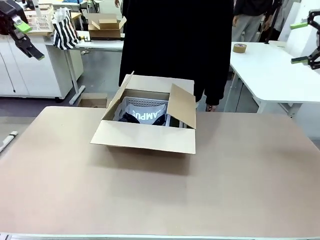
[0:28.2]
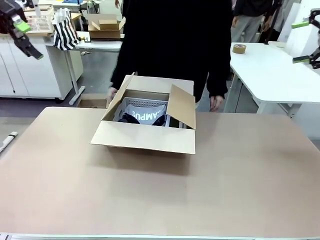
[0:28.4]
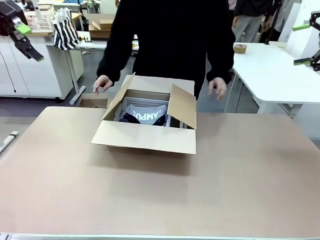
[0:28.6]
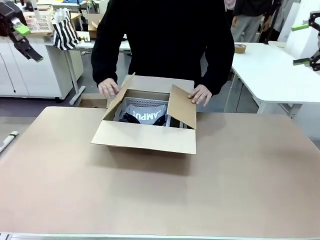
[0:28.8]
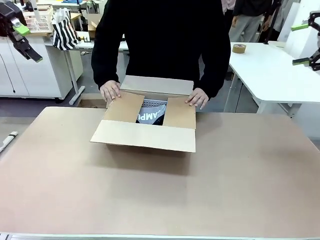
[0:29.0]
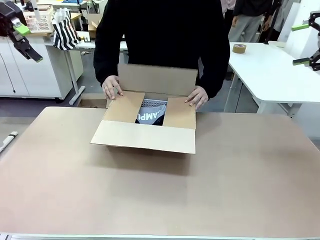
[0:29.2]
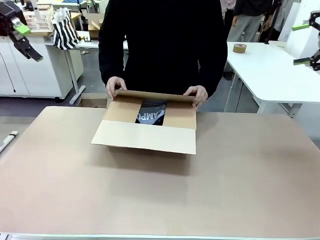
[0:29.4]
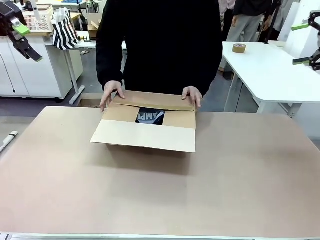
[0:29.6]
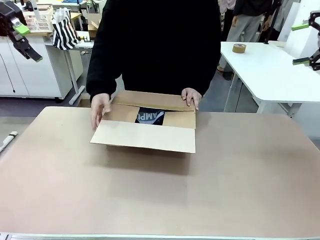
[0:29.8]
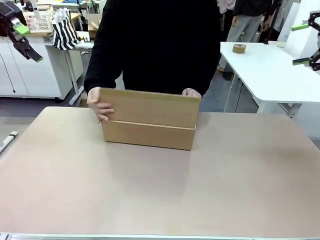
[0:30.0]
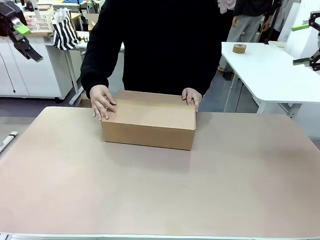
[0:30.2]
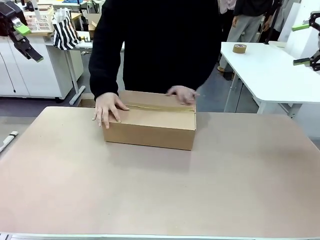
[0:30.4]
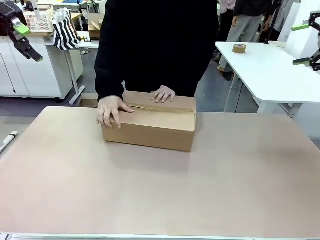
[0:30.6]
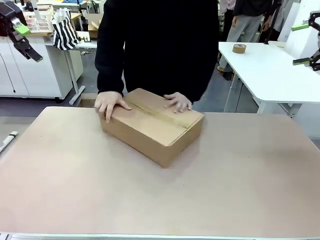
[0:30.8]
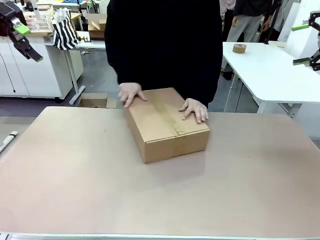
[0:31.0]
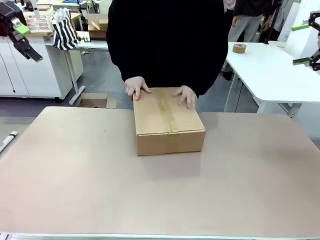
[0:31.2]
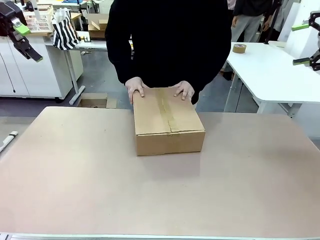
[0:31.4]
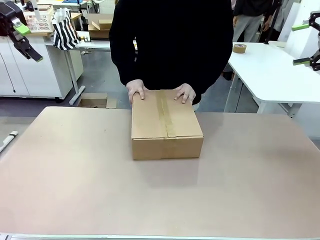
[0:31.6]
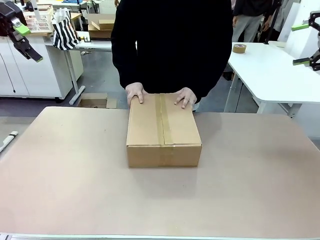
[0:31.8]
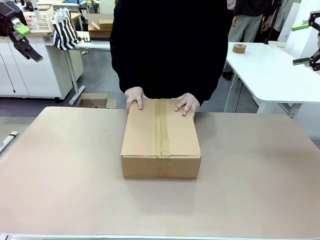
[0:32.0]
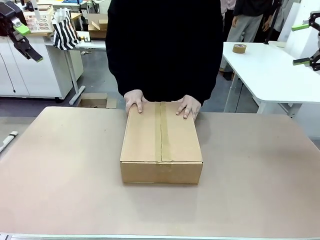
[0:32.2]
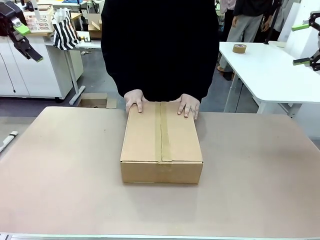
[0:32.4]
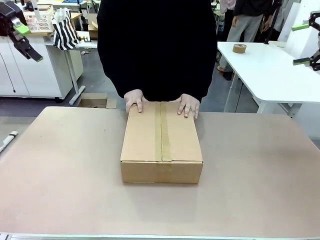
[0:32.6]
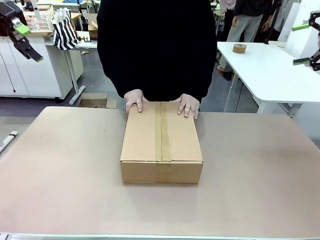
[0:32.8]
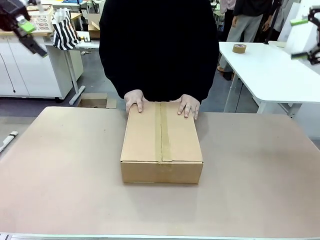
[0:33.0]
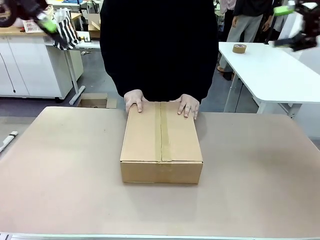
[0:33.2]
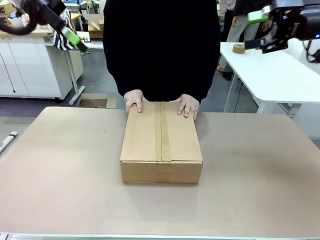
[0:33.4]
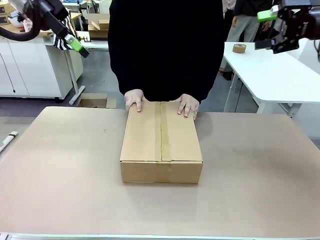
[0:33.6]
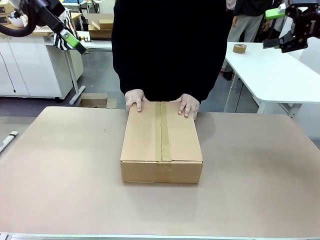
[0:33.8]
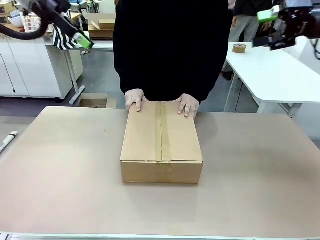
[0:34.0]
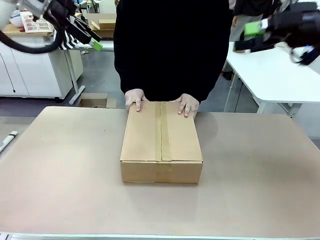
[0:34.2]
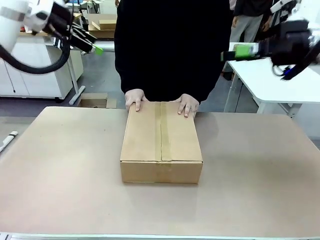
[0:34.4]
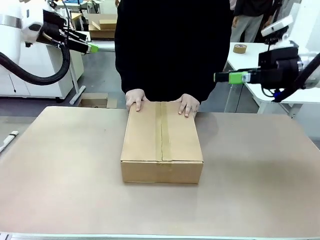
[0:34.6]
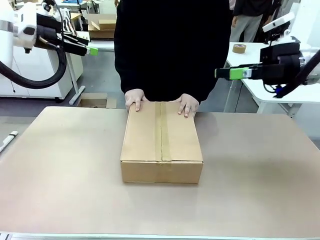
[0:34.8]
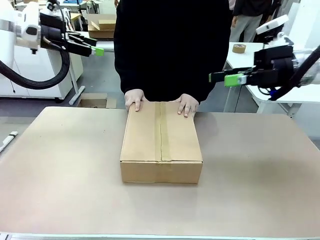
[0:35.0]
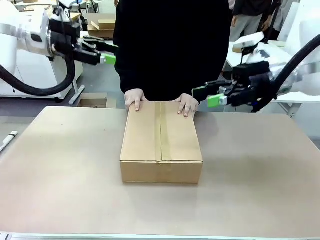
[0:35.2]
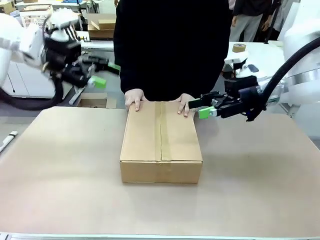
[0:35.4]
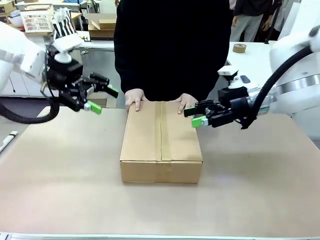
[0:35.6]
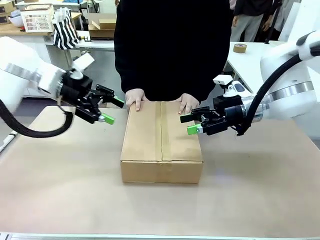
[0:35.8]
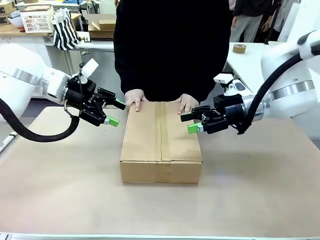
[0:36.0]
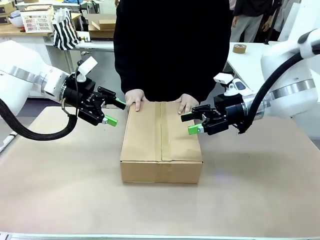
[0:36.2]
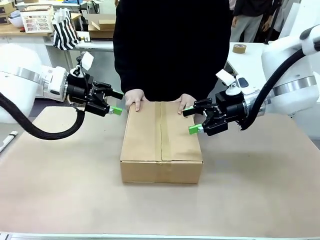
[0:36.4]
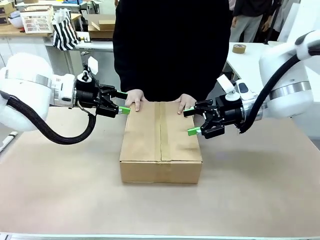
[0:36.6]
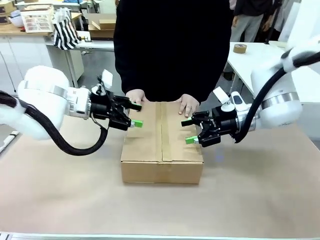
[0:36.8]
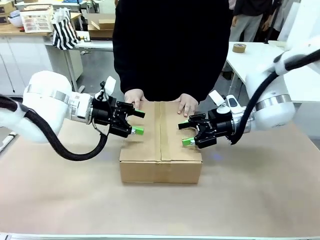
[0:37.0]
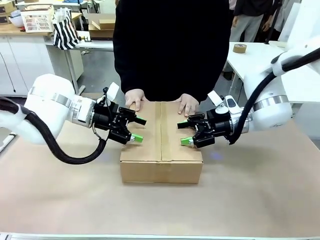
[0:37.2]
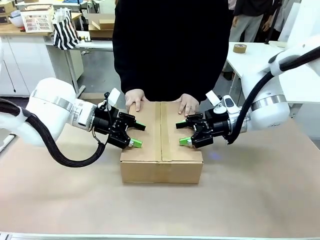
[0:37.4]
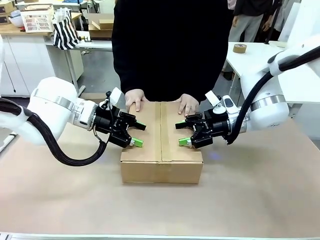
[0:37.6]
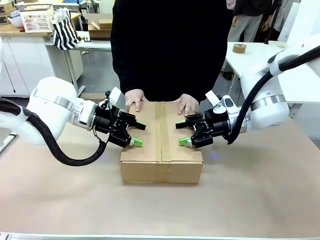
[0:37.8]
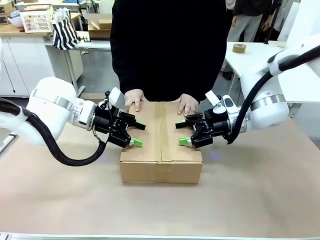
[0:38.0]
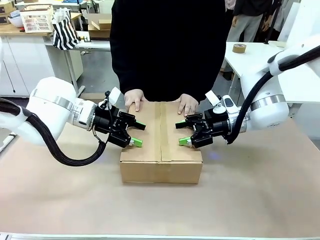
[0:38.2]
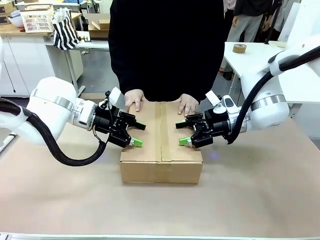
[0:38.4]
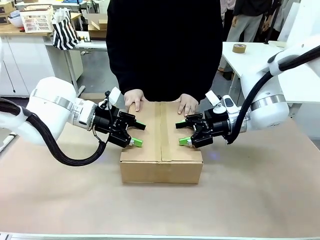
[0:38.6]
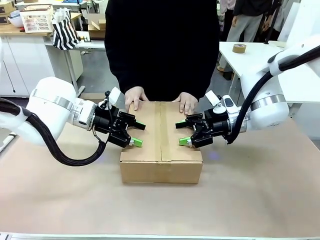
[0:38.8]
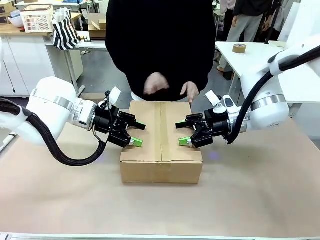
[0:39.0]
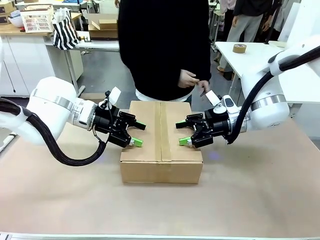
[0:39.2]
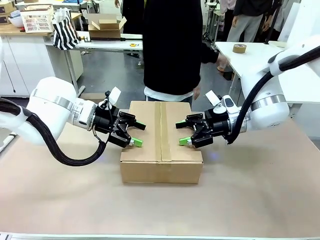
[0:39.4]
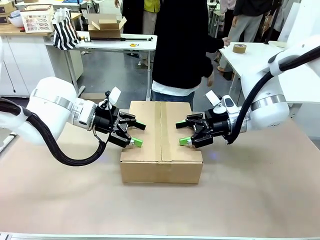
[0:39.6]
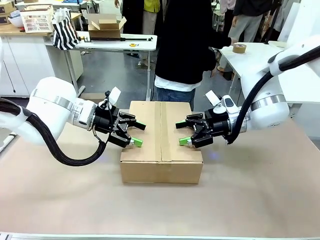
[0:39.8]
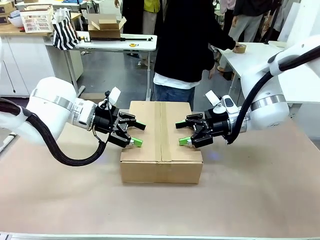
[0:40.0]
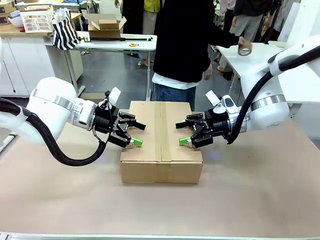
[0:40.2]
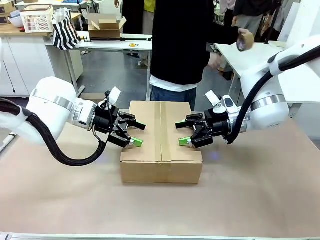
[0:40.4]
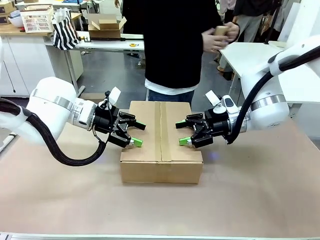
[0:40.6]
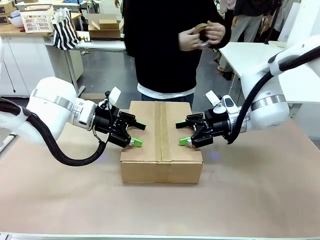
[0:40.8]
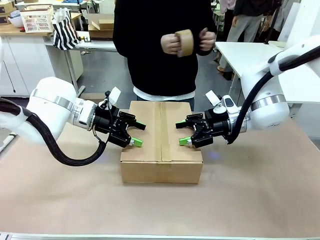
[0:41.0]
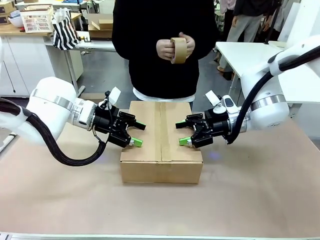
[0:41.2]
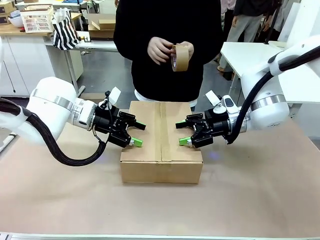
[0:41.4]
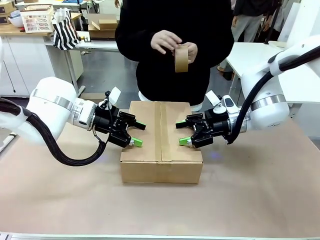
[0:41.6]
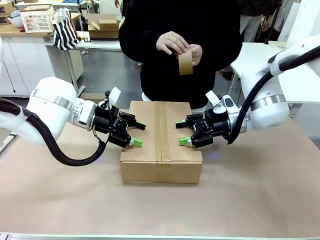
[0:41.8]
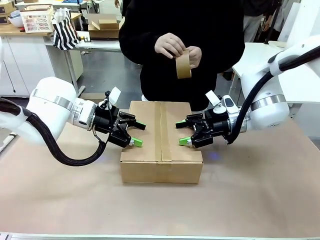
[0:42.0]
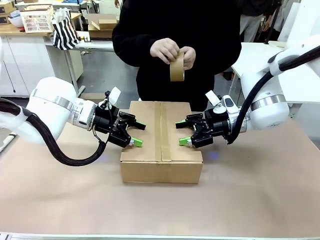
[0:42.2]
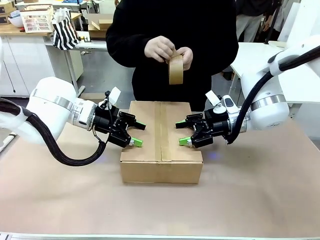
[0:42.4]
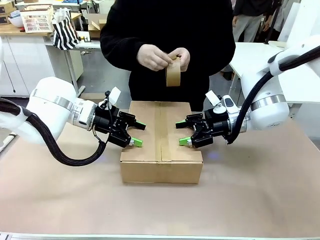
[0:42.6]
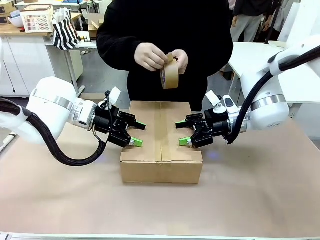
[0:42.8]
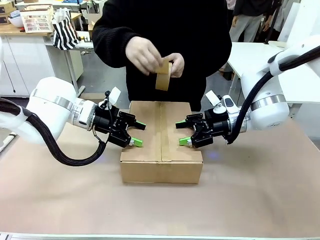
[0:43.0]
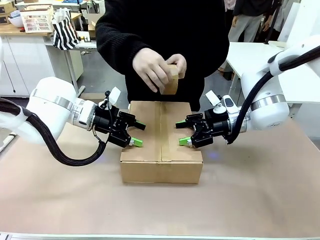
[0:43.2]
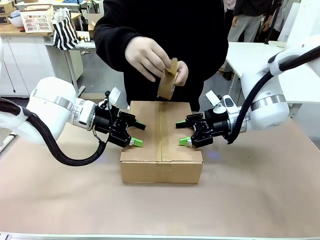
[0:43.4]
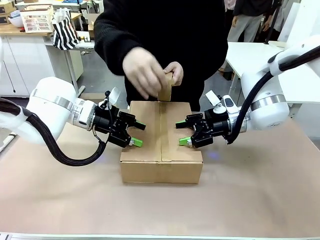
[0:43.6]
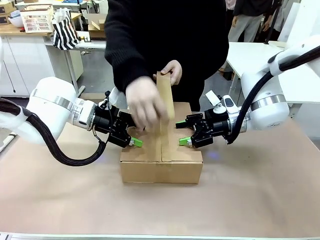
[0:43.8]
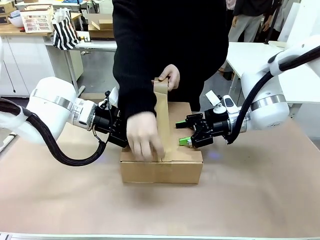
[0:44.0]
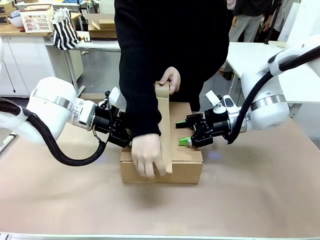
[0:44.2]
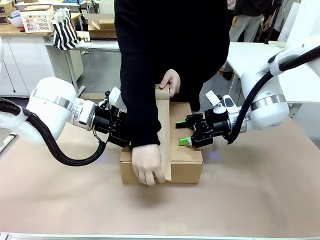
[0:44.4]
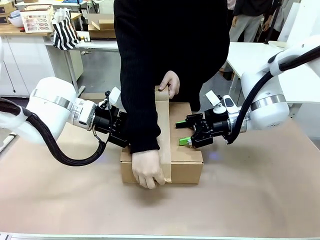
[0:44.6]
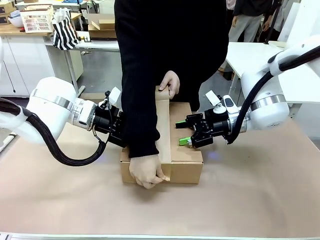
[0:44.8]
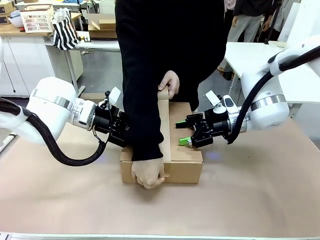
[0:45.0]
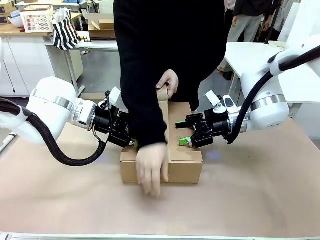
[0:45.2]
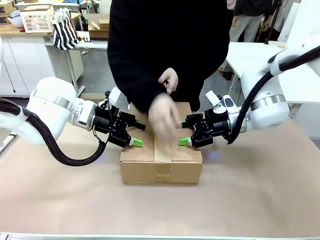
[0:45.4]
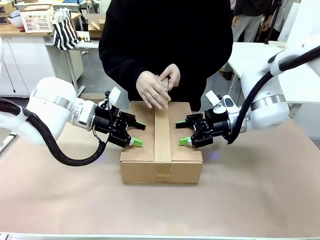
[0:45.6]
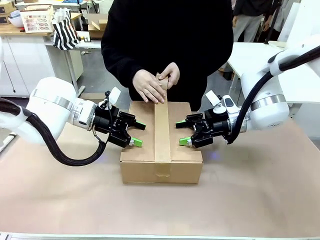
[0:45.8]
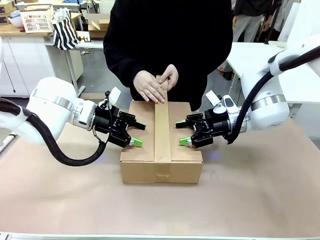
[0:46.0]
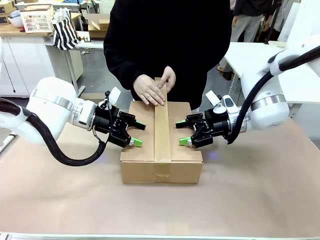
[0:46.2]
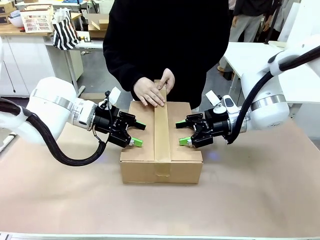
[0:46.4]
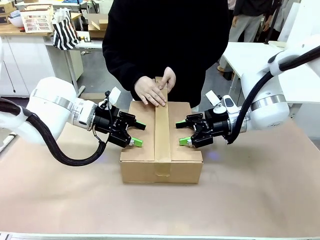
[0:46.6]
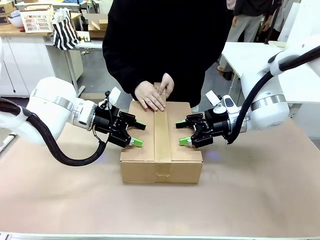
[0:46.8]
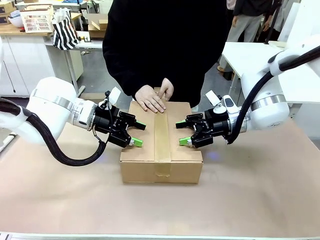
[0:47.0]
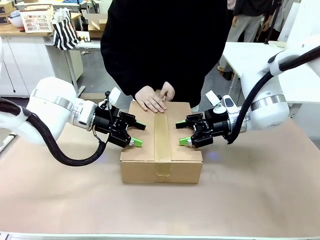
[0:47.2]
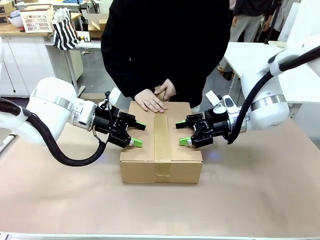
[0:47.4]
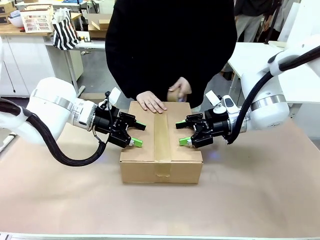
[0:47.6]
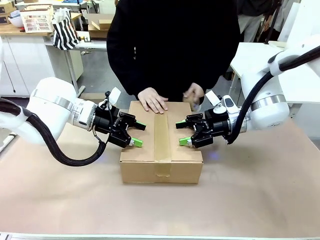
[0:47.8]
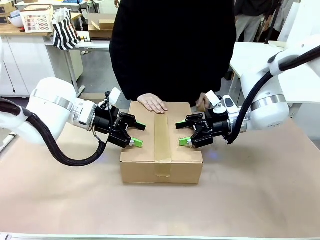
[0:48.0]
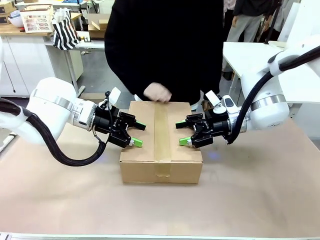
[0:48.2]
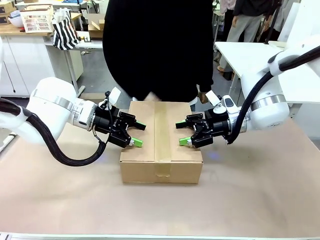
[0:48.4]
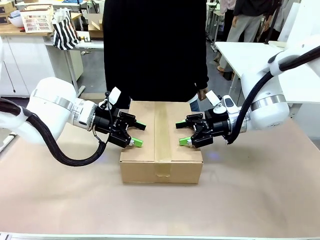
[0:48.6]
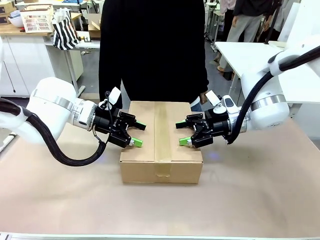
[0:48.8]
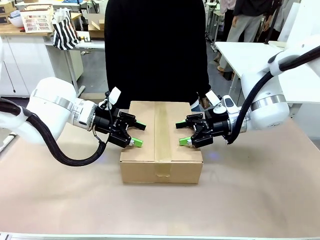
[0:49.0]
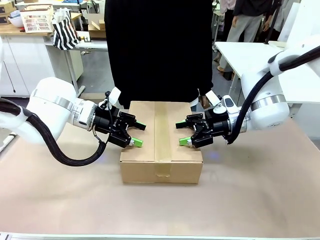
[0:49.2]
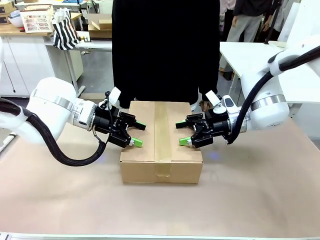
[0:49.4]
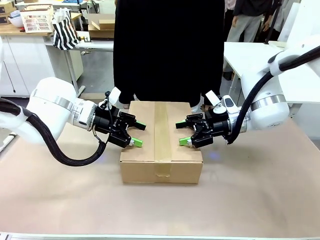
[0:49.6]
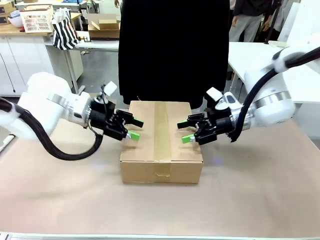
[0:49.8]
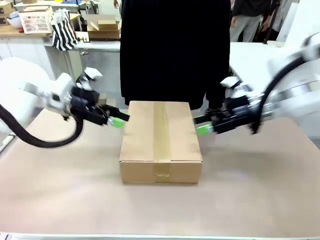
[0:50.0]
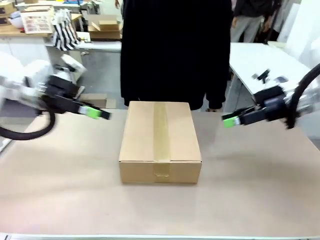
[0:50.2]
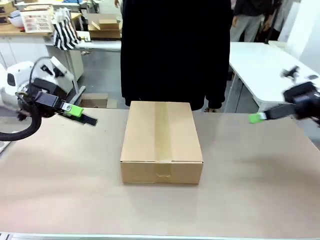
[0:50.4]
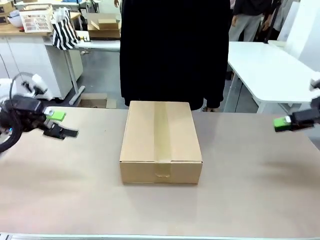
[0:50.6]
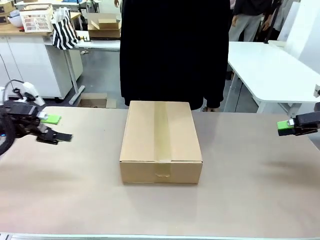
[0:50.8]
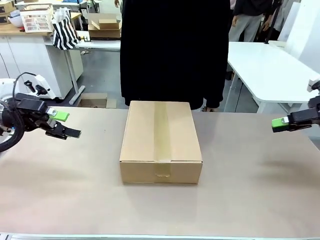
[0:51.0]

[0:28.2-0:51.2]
Task: Pack the gift set into the box.
Robot: Press and hold the closed box until the human finishes sealing it.
Person: The human closes the box and rotates the box by 90 degrees. The human picks up the paper tape from the human table and packs the box.
